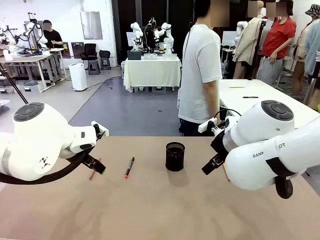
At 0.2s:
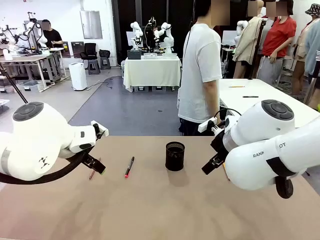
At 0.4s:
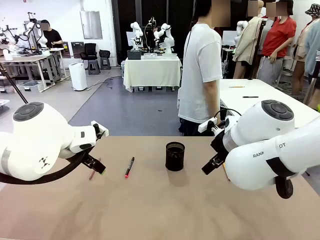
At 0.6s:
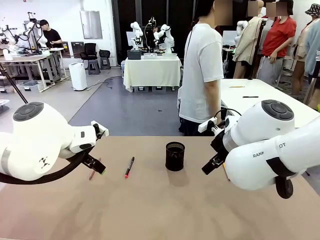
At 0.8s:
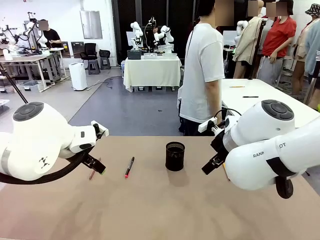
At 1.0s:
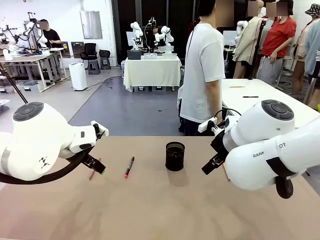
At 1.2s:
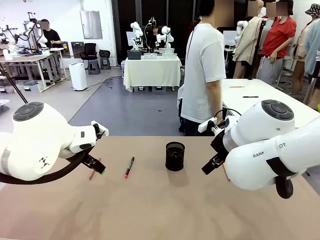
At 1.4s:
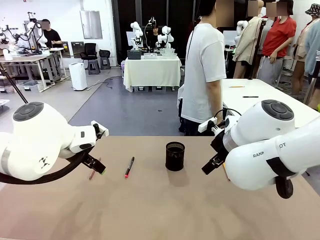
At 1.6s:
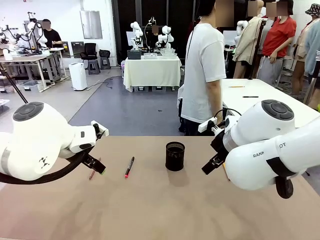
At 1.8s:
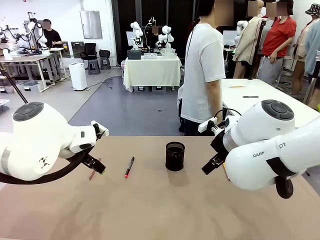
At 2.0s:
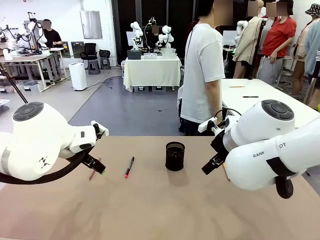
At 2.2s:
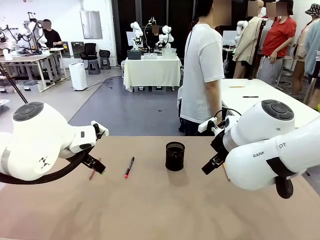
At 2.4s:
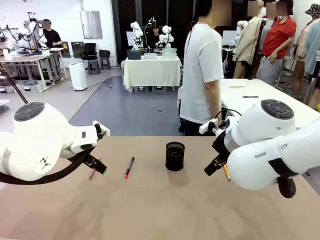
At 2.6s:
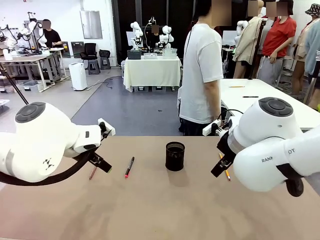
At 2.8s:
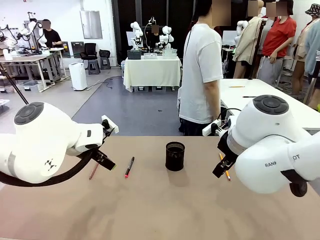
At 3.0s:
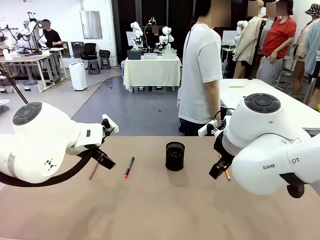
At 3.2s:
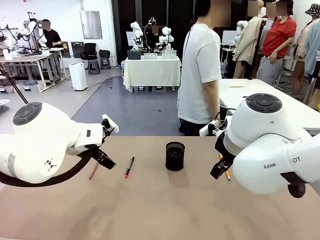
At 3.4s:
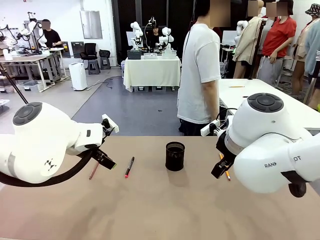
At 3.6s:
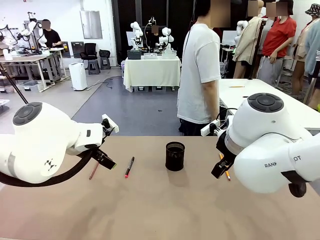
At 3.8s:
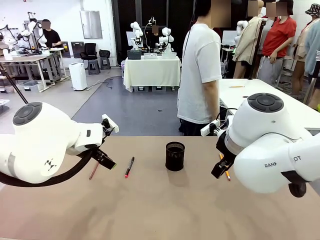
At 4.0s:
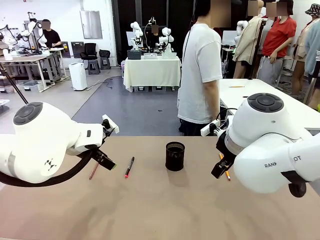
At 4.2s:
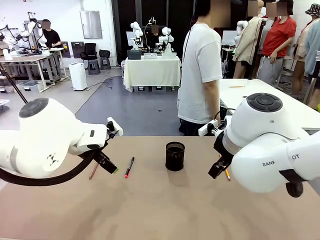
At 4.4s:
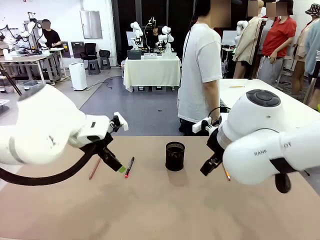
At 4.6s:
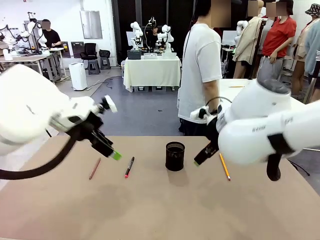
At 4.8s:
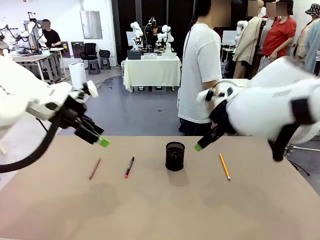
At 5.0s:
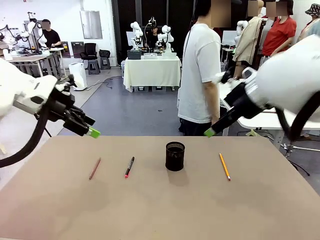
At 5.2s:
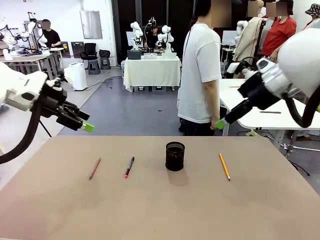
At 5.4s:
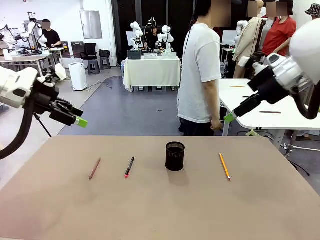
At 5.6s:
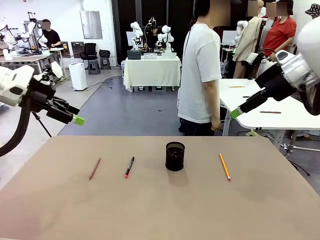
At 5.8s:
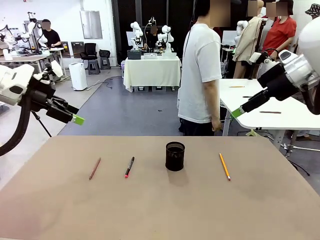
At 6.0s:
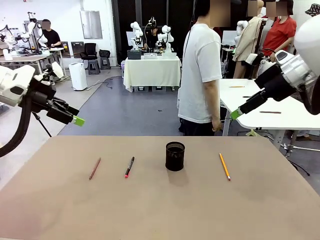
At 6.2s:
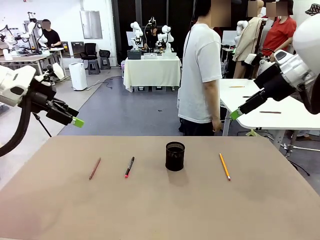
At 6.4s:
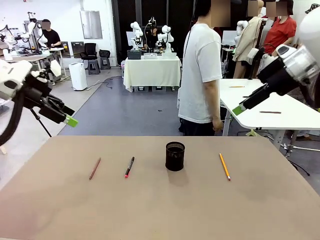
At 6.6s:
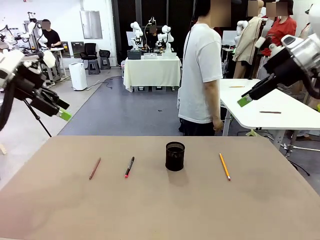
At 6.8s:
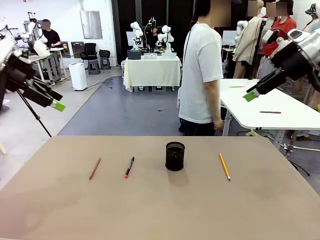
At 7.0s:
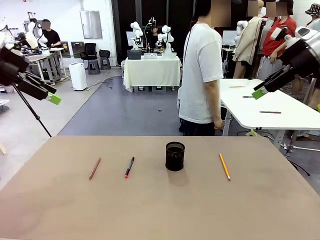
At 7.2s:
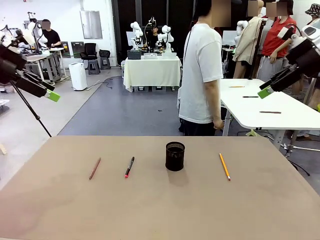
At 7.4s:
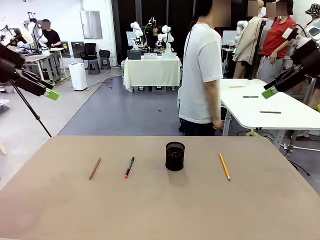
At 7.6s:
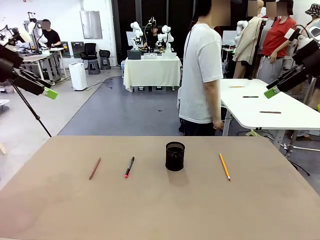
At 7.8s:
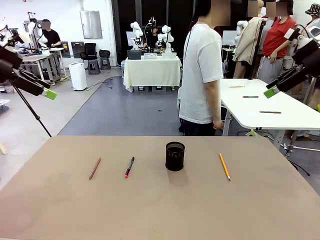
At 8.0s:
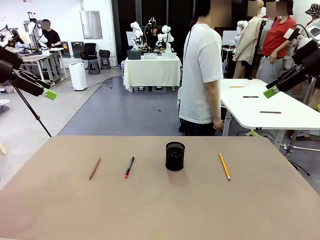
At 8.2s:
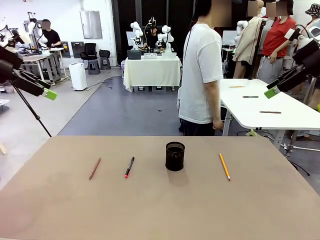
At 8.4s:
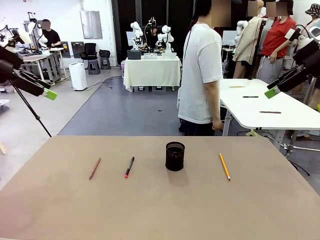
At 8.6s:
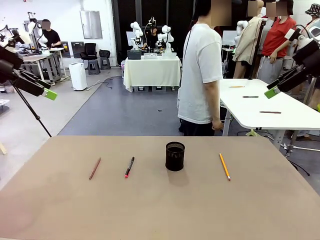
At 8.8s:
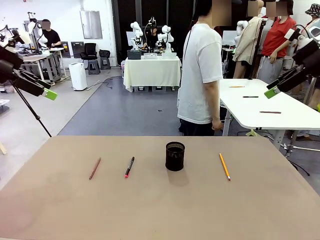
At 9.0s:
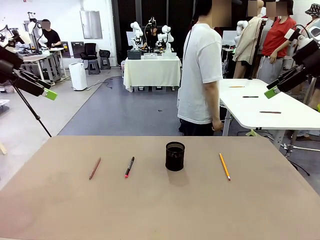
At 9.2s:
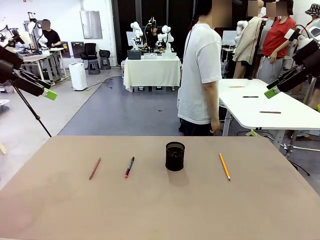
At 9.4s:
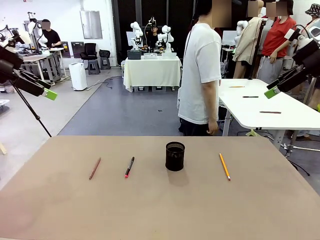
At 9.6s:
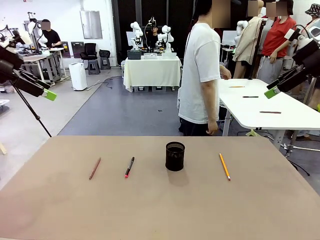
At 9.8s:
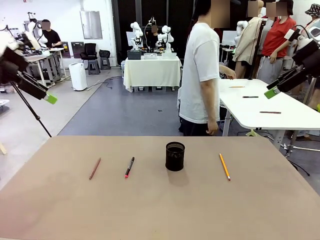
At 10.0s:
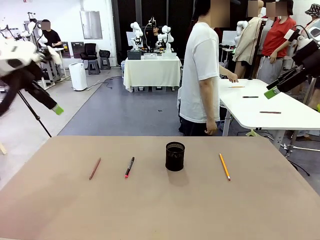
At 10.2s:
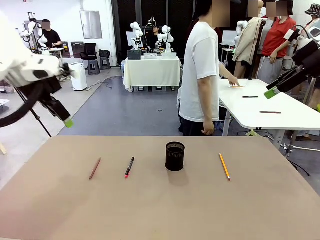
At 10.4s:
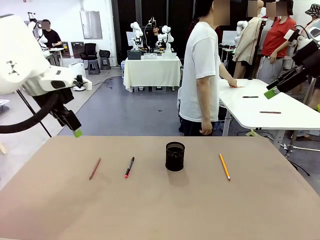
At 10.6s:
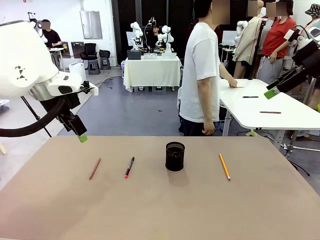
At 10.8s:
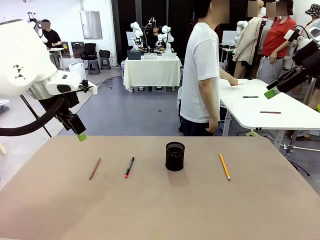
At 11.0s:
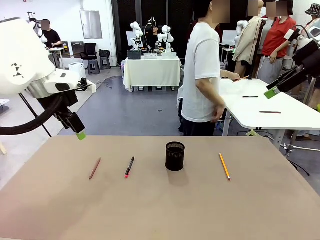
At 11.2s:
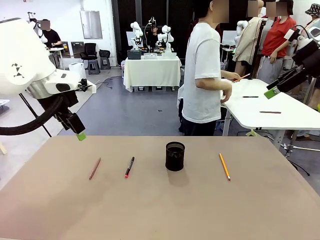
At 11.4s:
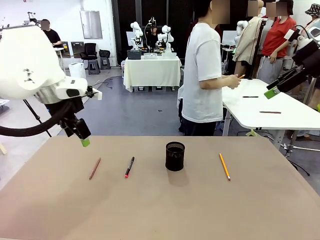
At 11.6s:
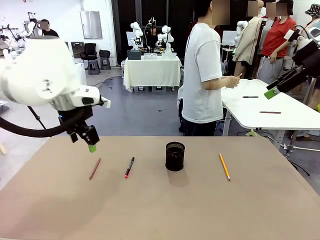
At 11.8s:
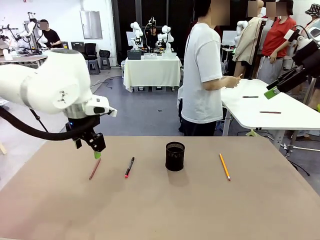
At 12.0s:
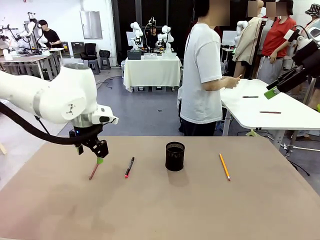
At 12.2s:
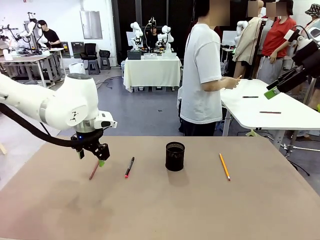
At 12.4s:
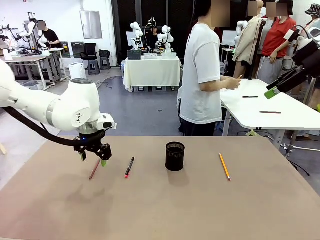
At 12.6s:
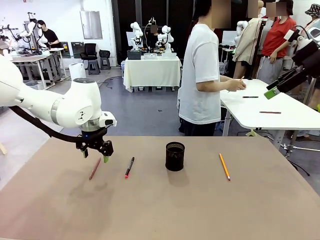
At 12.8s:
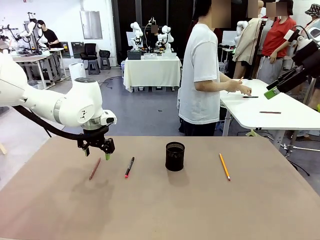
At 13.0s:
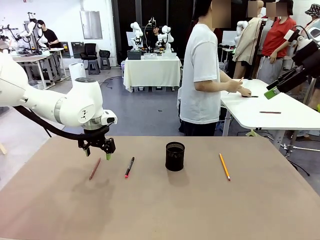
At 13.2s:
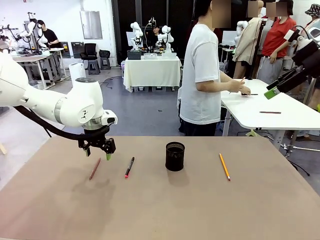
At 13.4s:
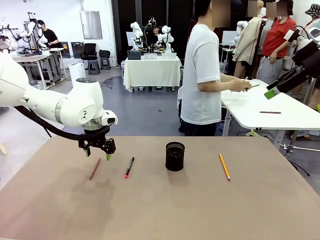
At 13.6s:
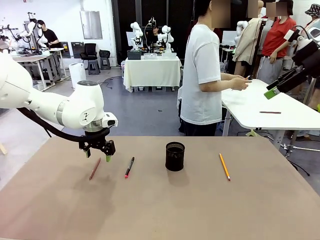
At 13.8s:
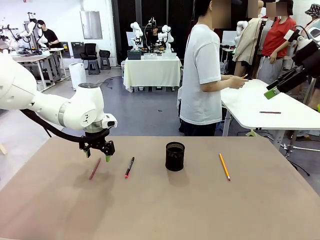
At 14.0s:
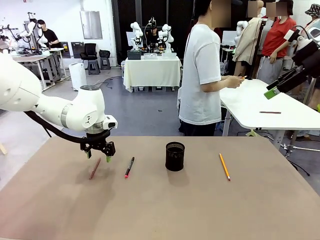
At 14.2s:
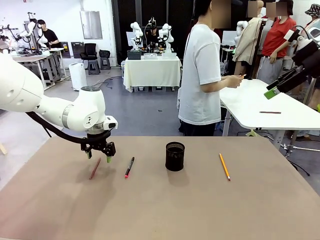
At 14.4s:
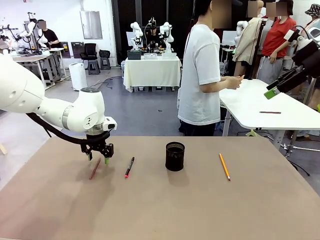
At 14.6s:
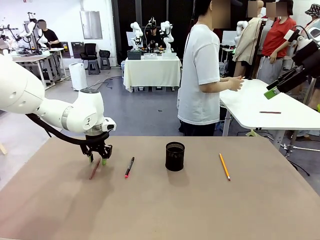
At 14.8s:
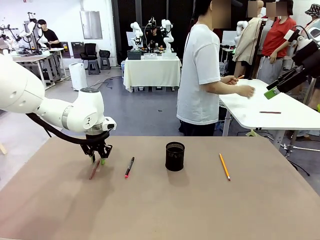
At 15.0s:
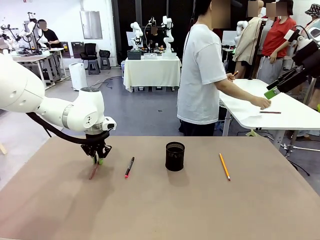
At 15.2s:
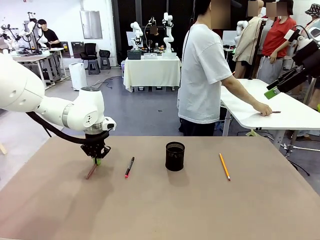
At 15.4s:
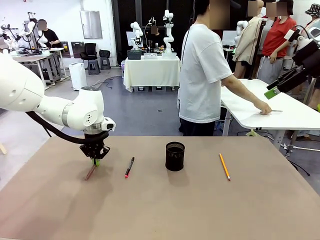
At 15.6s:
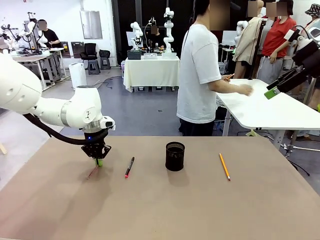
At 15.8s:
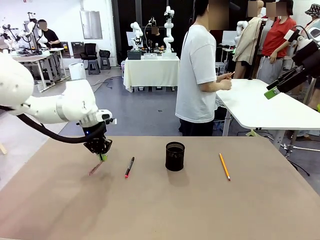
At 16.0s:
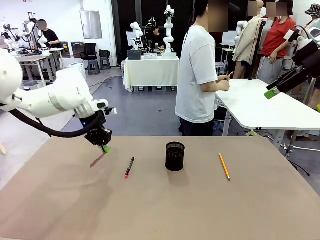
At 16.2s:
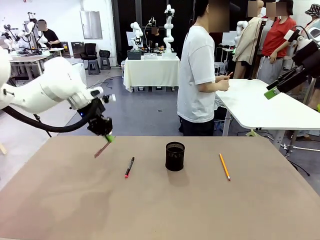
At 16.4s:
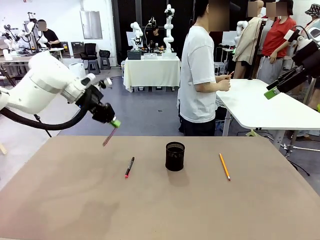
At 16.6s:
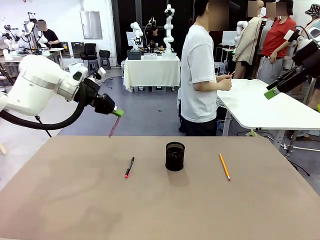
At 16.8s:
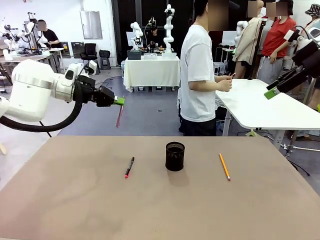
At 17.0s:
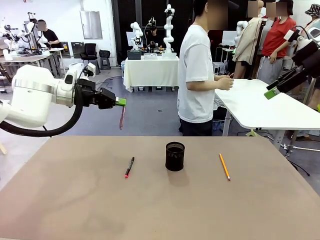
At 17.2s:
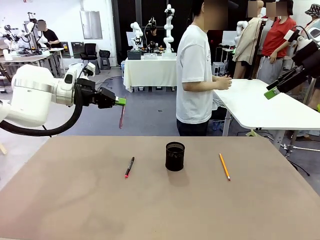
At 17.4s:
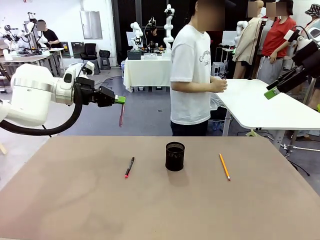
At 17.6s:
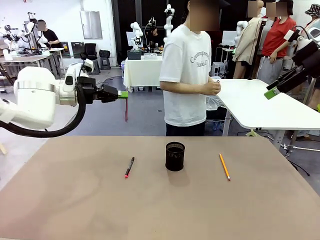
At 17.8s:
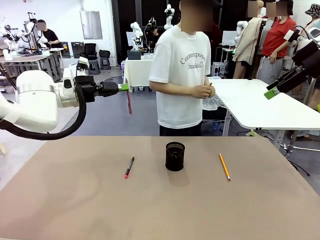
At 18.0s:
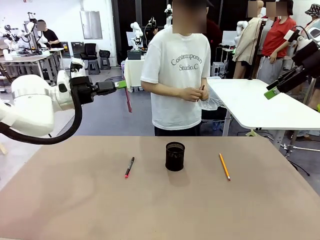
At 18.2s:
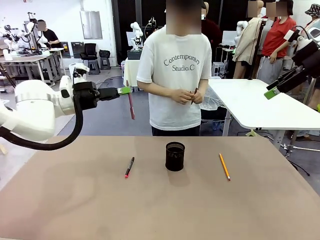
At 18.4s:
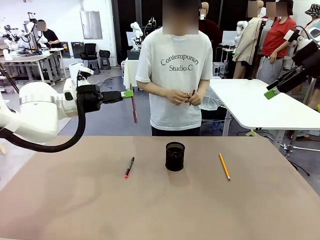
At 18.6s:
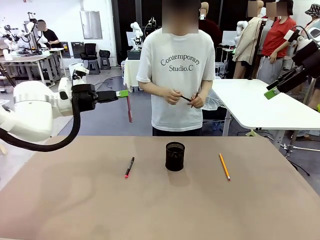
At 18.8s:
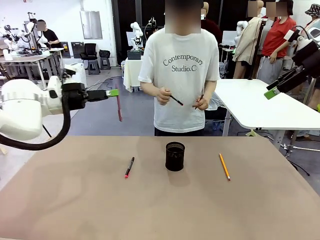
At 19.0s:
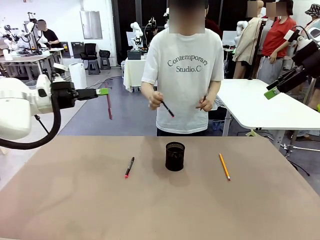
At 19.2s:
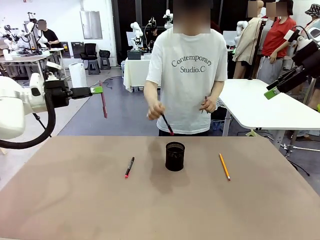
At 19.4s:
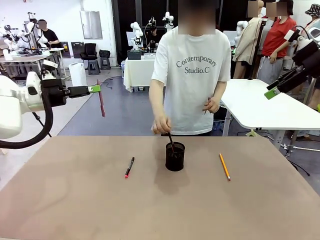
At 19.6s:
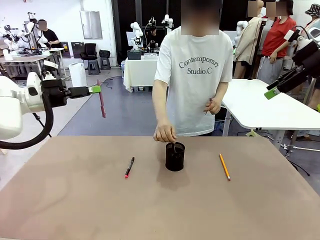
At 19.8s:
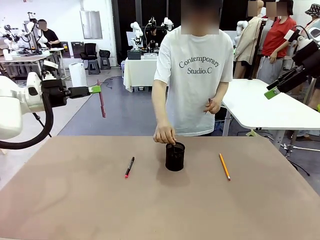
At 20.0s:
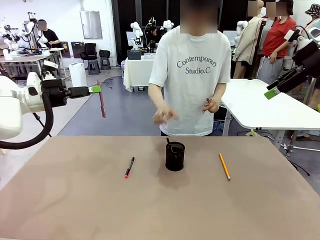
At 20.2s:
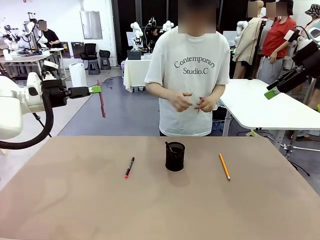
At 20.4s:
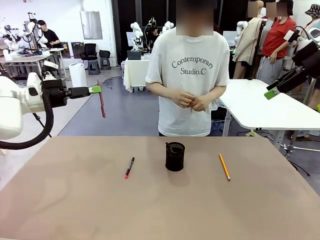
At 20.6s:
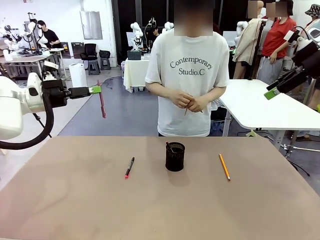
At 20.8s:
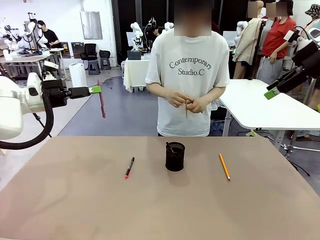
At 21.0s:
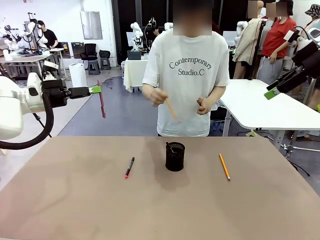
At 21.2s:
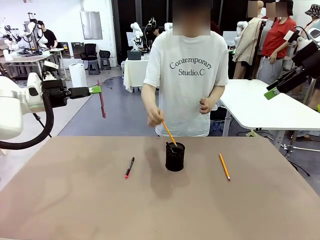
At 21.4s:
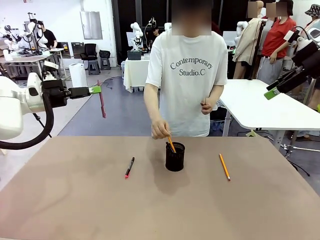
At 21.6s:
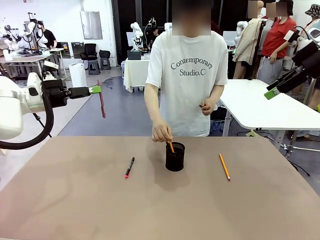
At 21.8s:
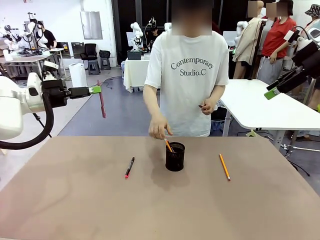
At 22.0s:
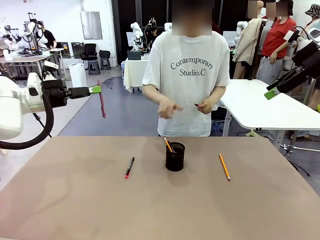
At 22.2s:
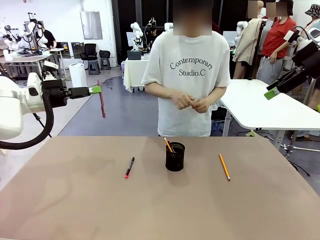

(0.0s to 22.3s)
Task: Place the pens into the pen holder.
Robot: Pick up a writing instrument from the table and place it into the Pen holder.
Person: Pick up all writing instruments from the Human table.
